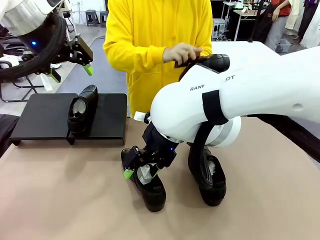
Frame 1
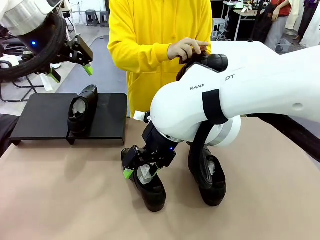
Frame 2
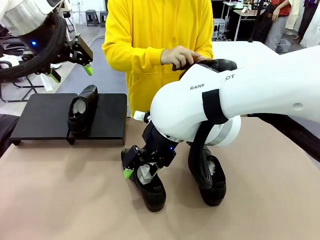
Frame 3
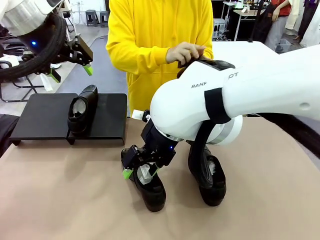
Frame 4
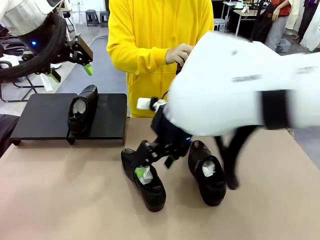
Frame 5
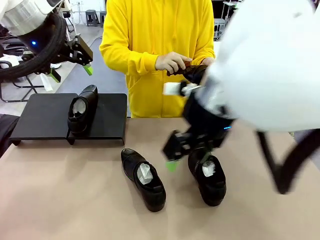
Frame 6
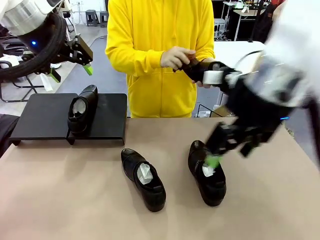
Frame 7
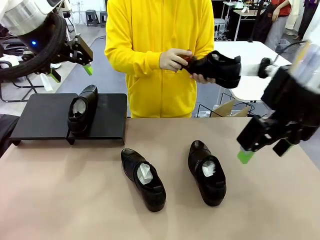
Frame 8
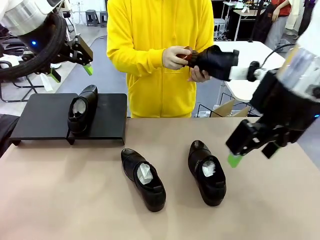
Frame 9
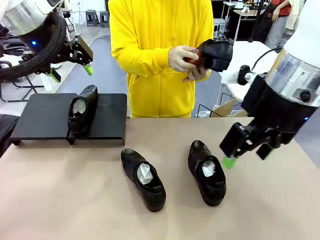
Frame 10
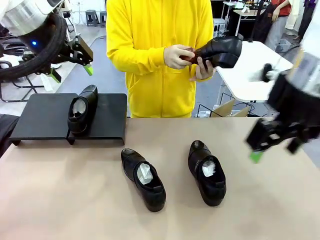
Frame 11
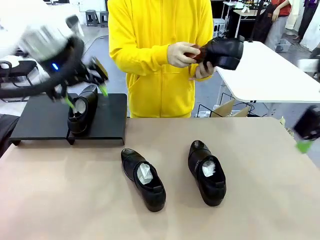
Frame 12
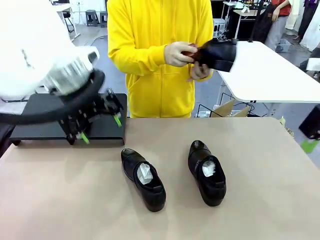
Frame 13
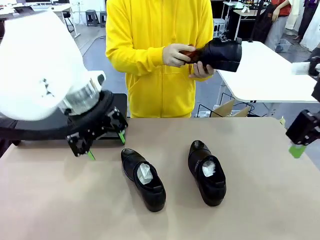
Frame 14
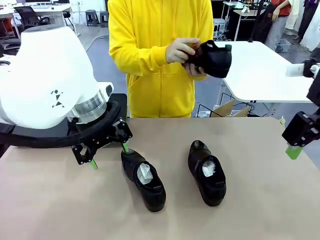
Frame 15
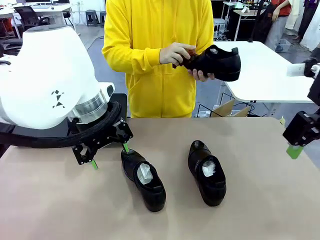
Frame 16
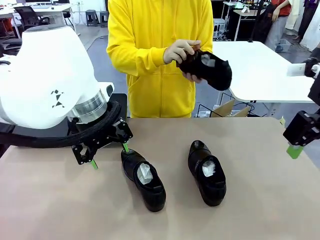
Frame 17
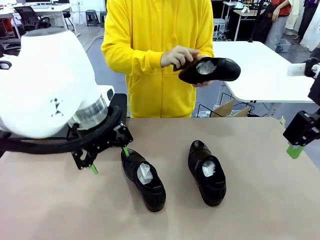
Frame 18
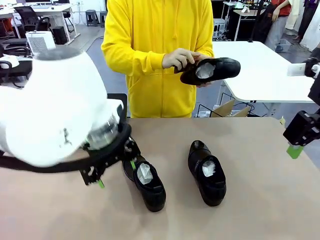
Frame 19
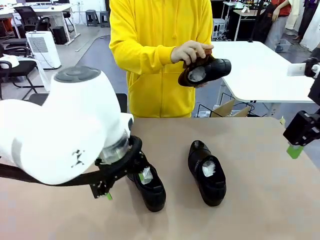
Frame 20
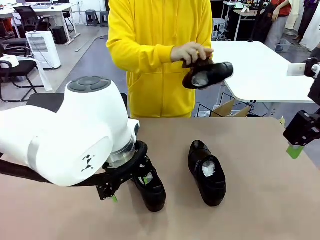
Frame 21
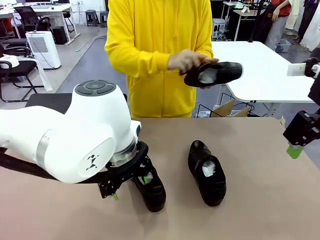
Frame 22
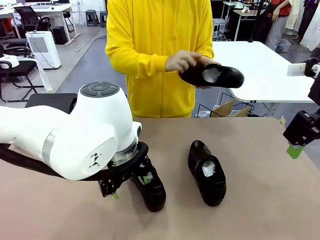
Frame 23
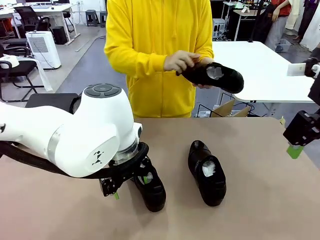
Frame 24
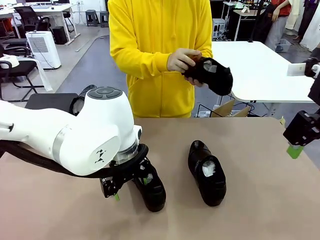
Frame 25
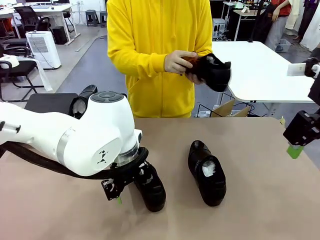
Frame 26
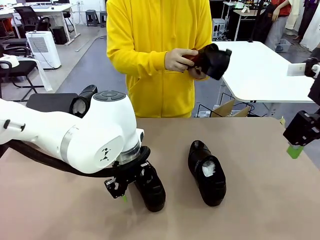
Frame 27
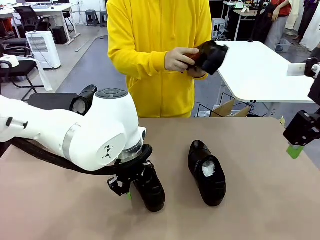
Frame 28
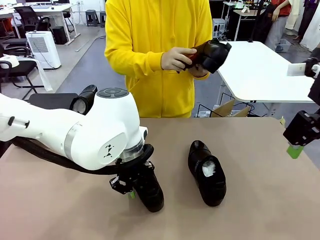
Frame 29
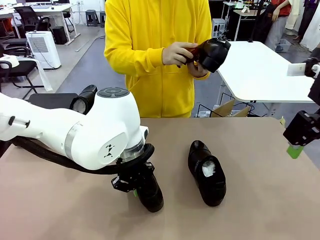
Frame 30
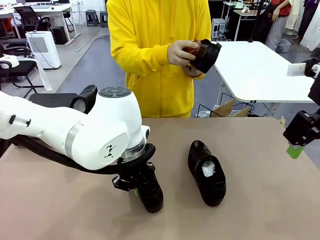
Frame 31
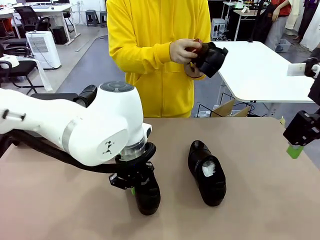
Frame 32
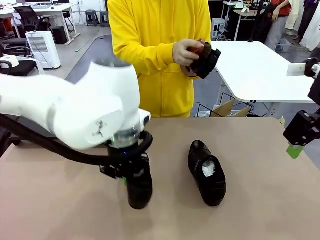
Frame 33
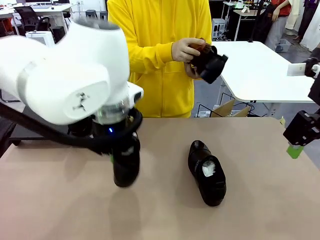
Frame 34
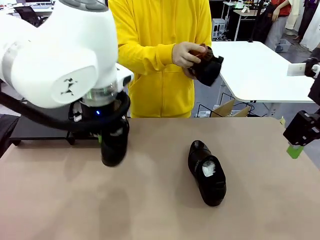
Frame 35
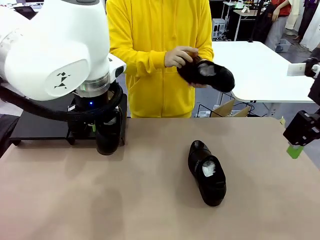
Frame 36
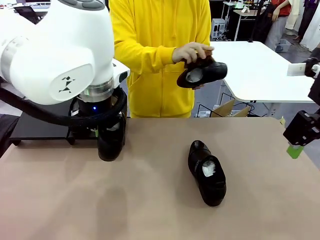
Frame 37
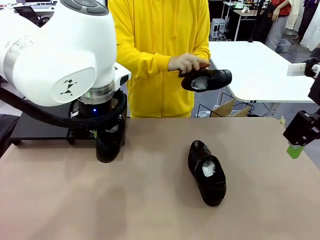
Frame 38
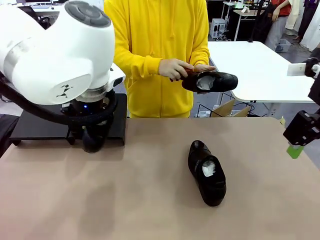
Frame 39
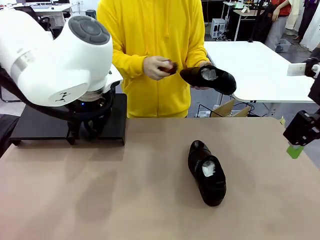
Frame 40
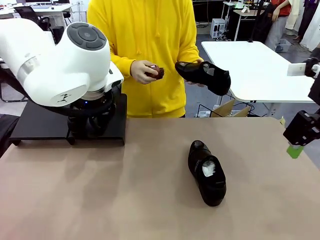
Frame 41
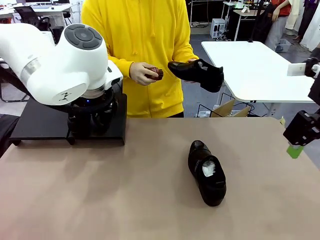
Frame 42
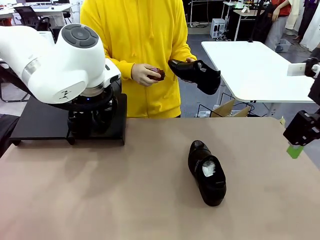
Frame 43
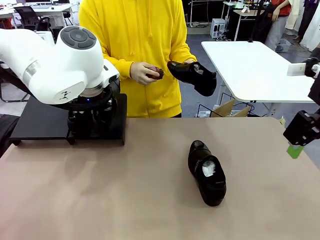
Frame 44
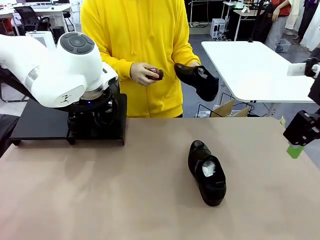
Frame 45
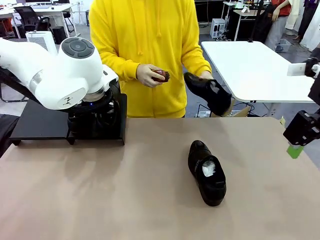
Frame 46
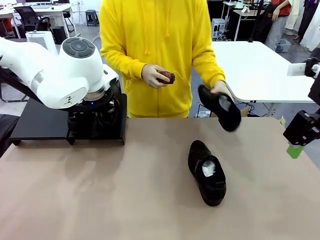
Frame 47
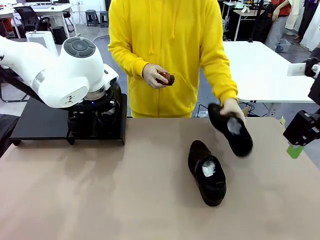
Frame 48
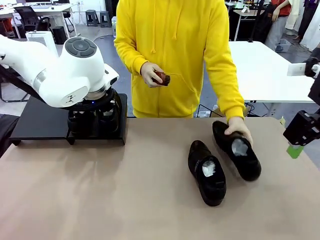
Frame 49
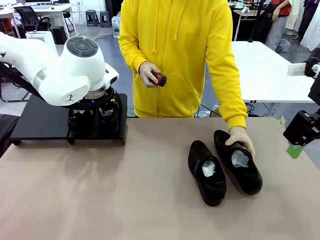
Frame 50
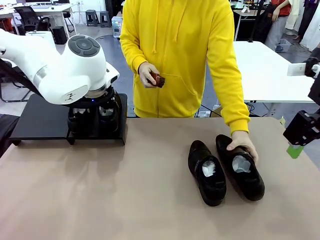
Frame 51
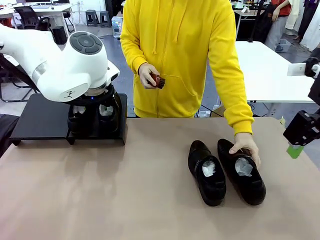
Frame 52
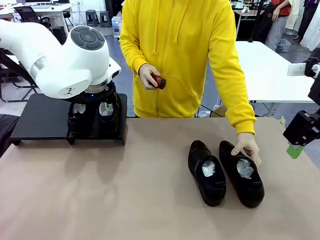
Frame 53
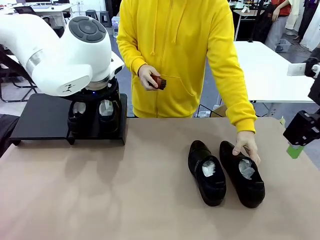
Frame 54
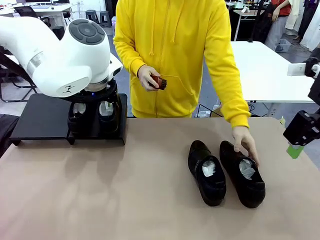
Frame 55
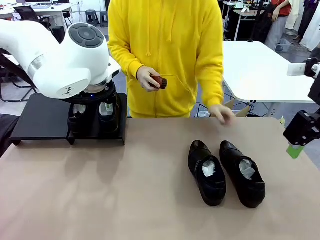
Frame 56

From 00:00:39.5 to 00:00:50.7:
Task: Organize the shoes by placing them on the stand.
Robot: Place the Shoe from the middle of the table onto the Shoes Stand.

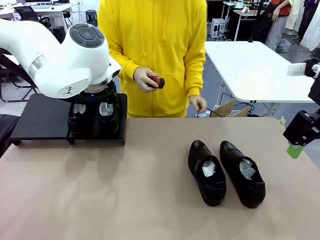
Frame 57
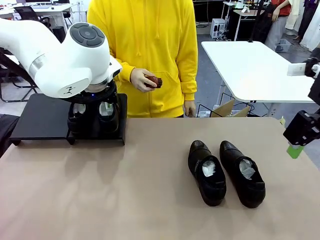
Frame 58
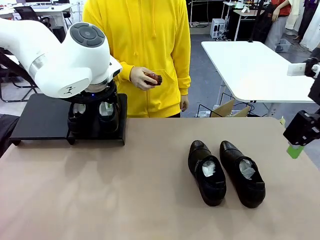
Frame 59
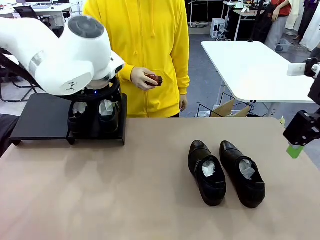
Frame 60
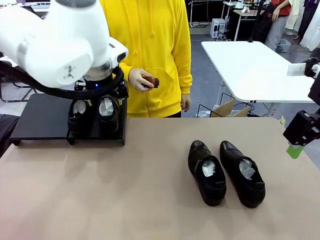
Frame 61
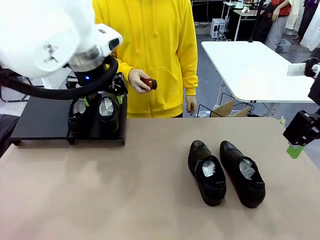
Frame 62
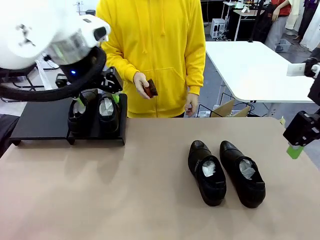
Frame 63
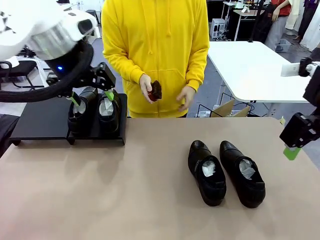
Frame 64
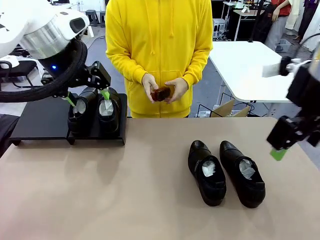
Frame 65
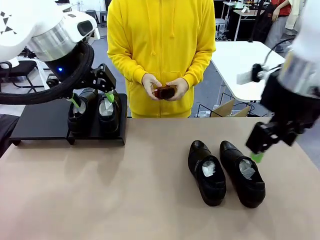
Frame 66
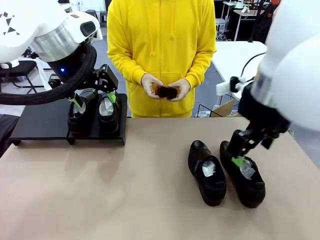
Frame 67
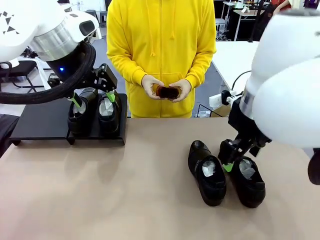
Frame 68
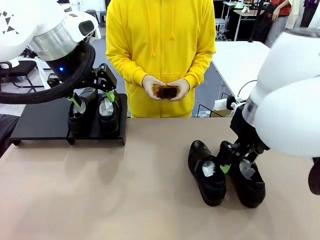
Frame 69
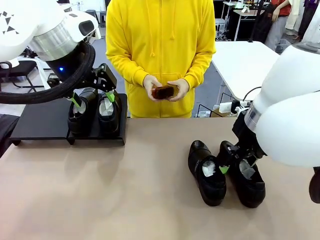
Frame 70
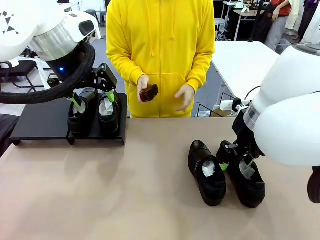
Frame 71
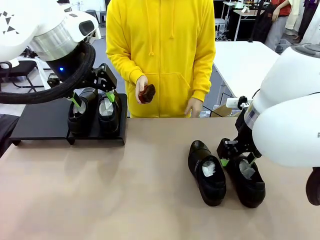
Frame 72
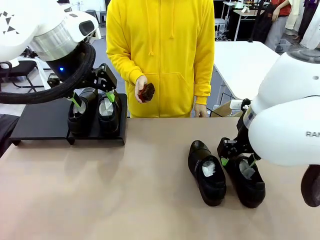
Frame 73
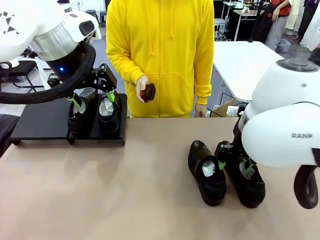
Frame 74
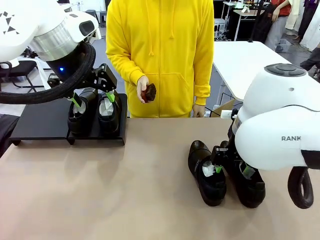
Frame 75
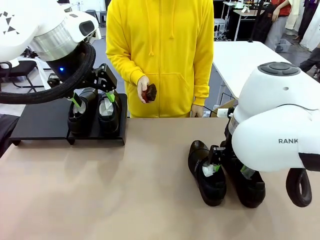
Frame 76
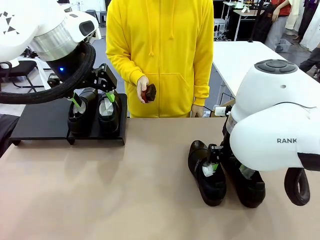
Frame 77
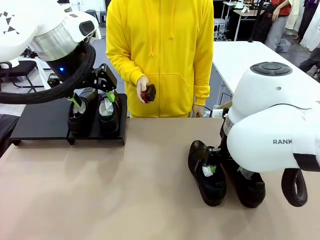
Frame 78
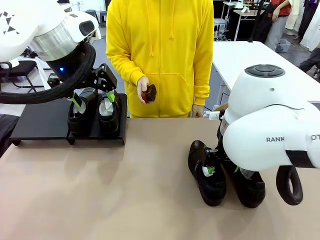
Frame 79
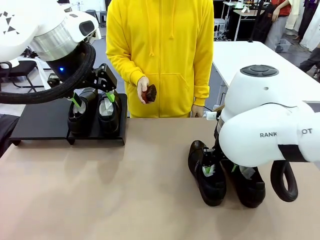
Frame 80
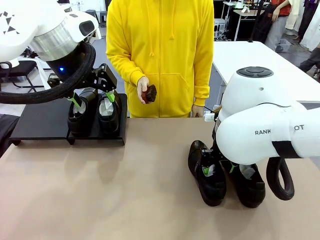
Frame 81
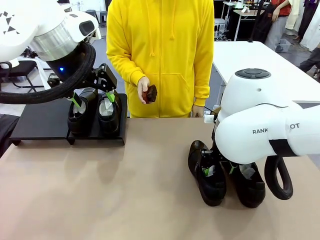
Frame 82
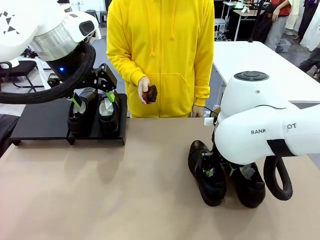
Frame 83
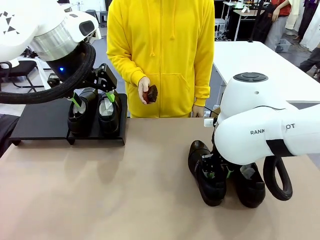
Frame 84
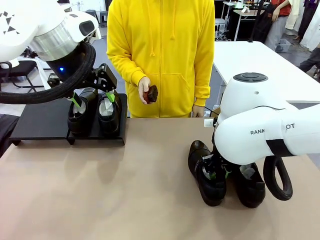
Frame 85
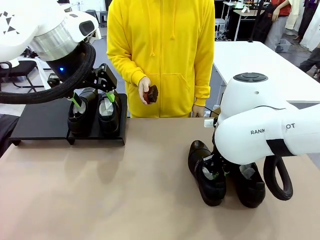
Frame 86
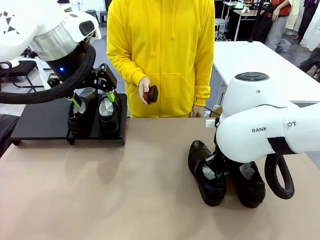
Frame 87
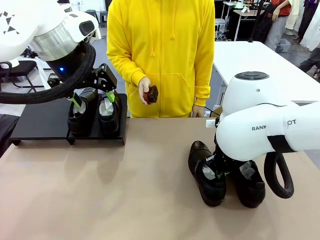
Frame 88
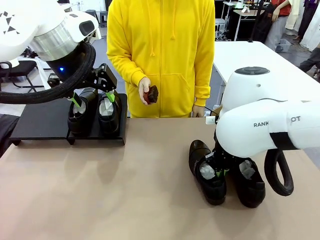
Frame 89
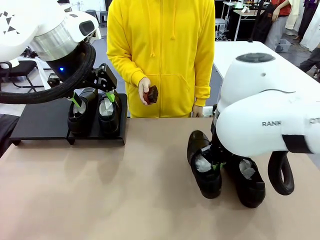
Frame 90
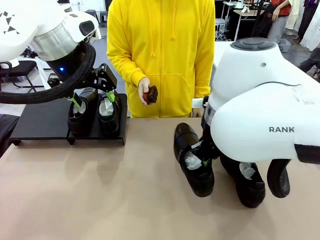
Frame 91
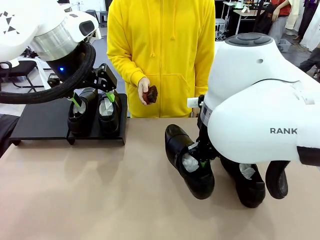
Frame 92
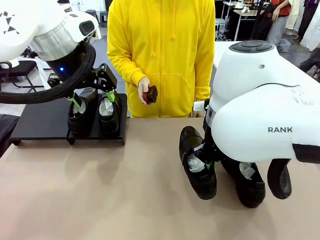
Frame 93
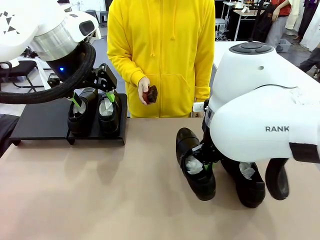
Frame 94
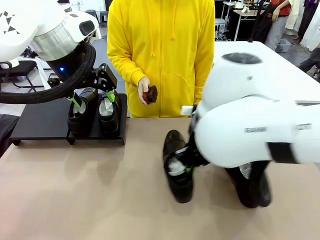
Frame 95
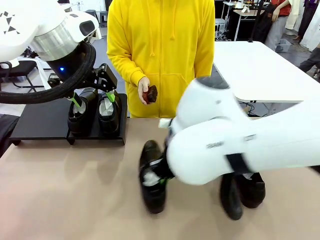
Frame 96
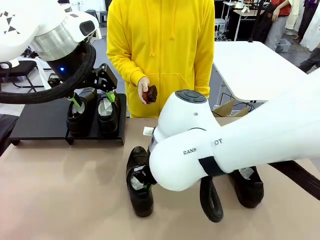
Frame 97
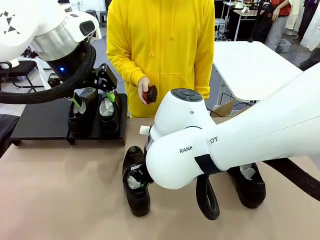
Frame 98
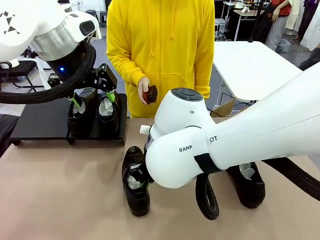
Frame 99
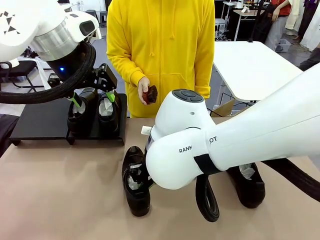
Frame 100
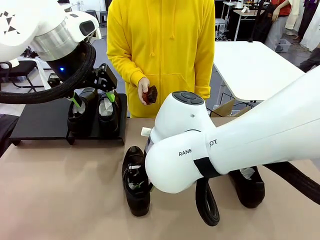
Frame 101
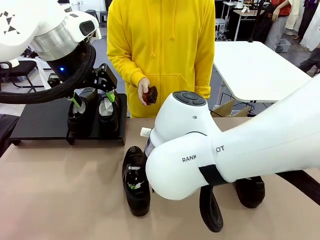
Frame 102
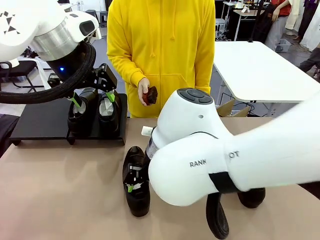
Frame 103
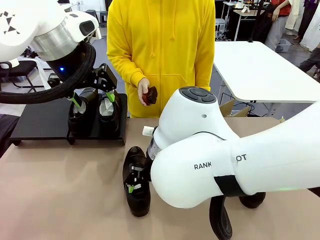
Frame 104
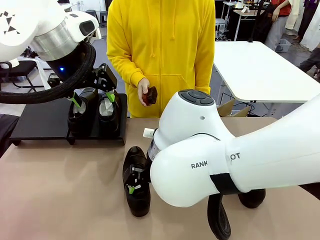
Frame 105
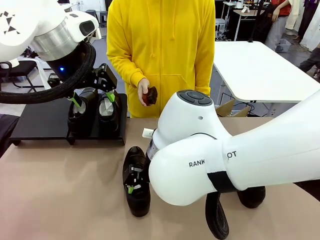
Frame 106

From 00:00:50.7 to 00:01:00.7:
Robot: Pick up one Shoe and place it in the middle of the table.
